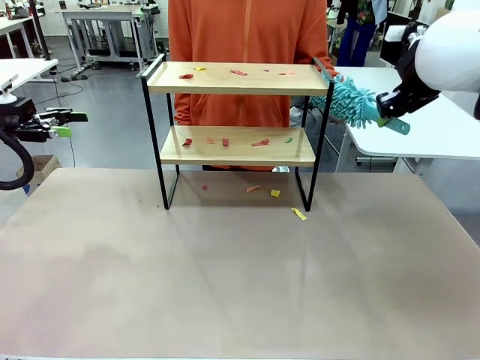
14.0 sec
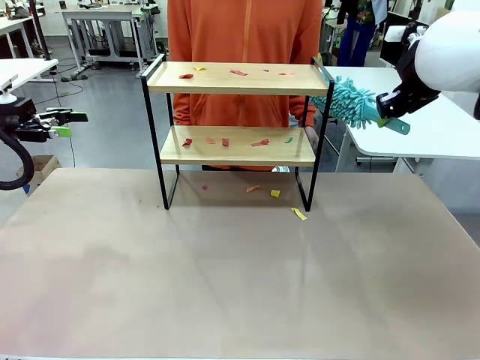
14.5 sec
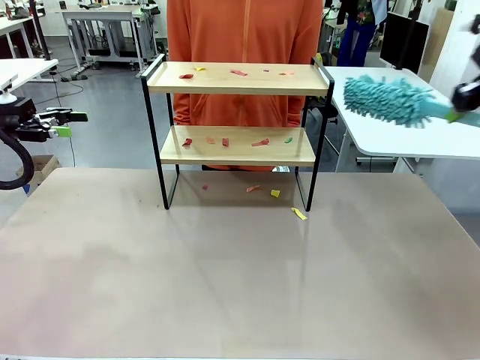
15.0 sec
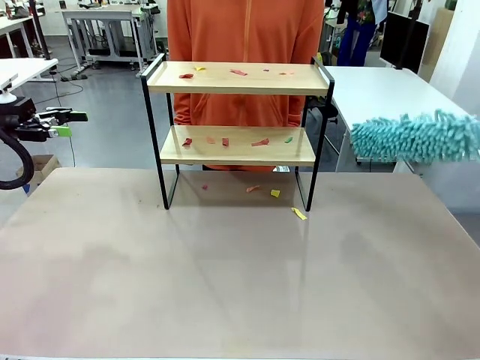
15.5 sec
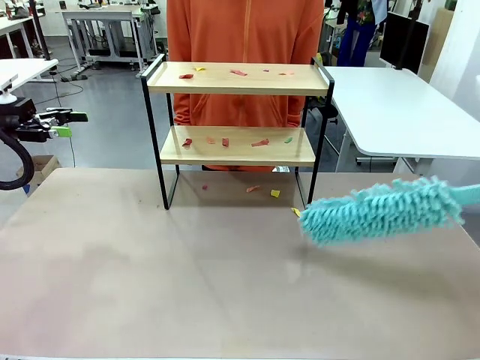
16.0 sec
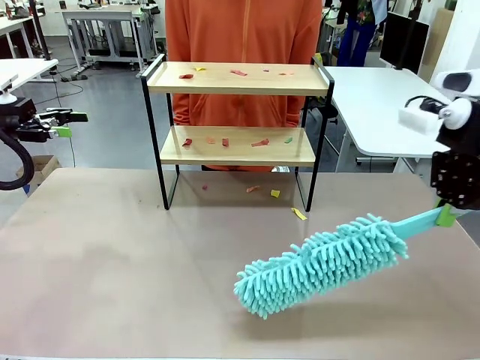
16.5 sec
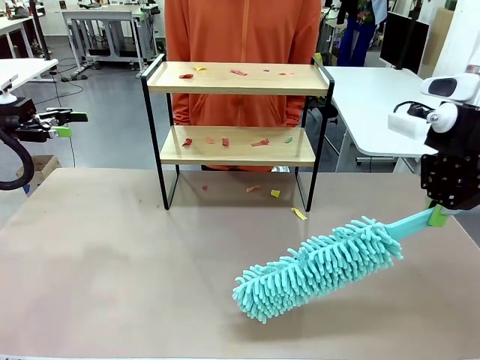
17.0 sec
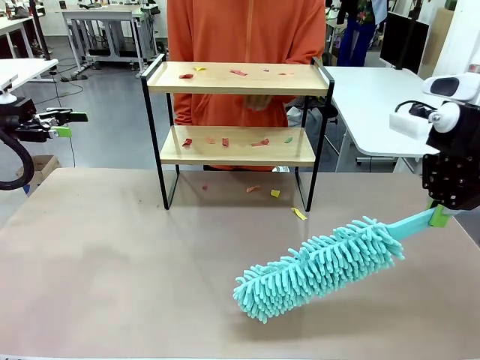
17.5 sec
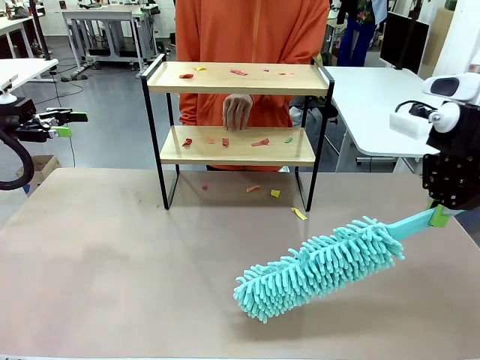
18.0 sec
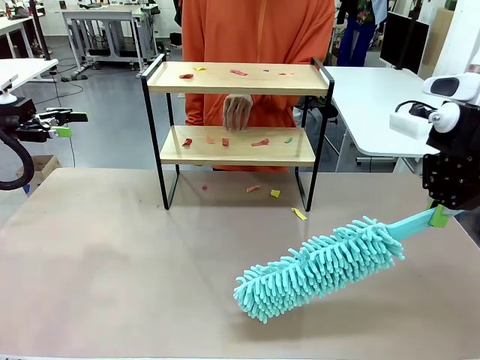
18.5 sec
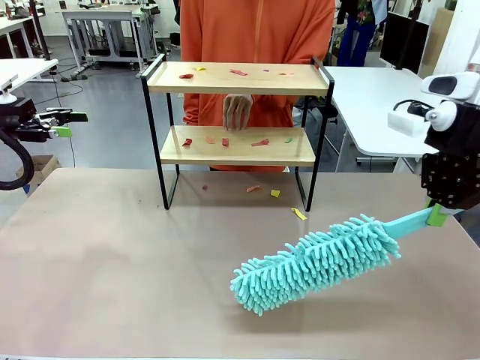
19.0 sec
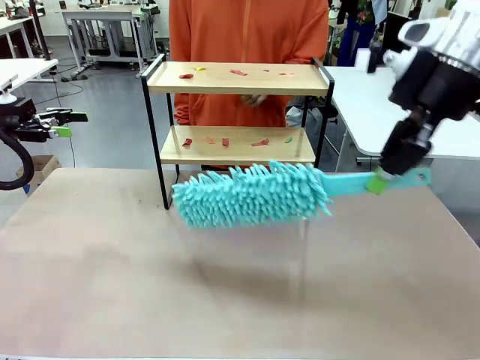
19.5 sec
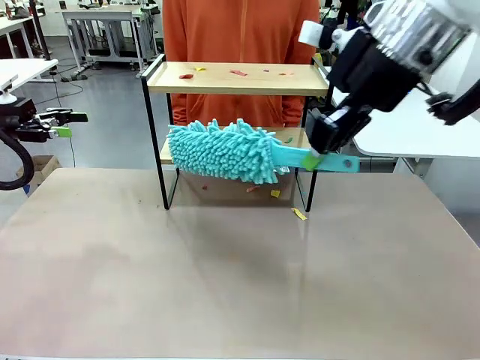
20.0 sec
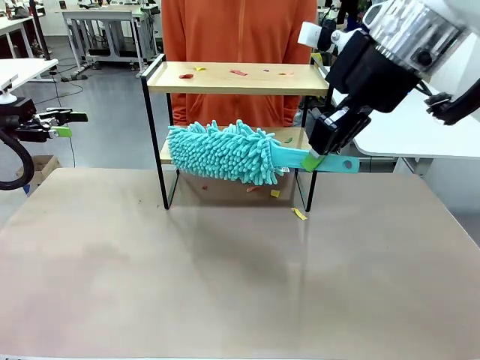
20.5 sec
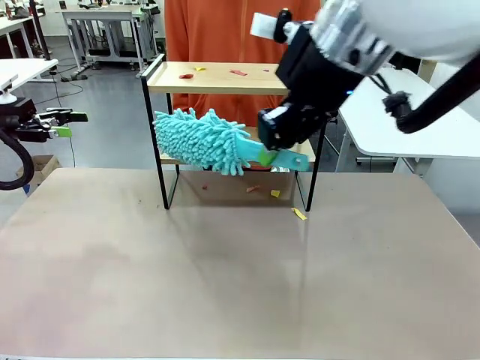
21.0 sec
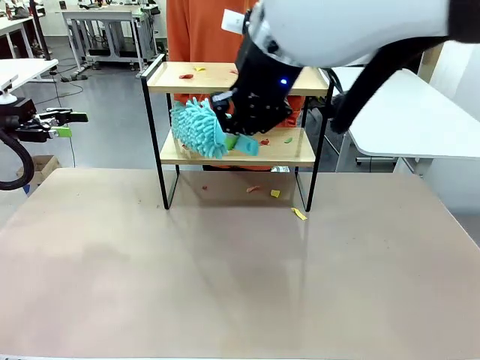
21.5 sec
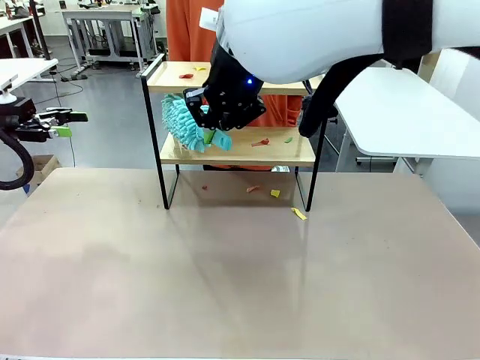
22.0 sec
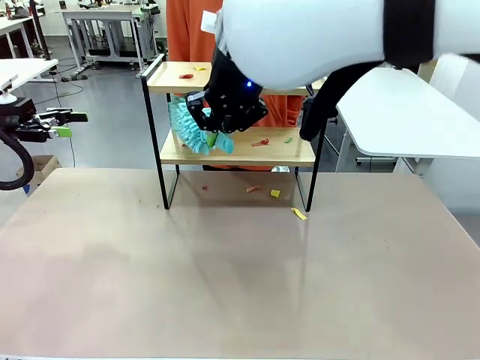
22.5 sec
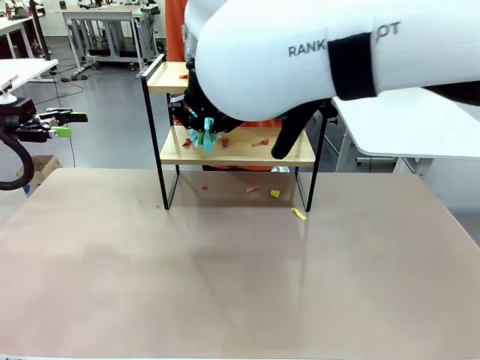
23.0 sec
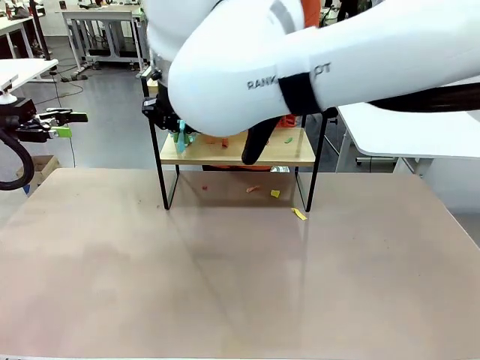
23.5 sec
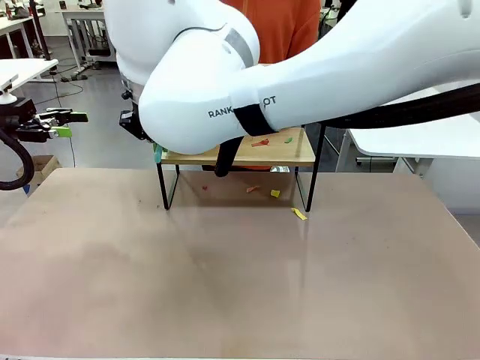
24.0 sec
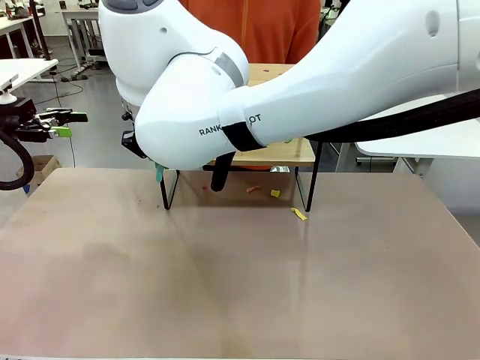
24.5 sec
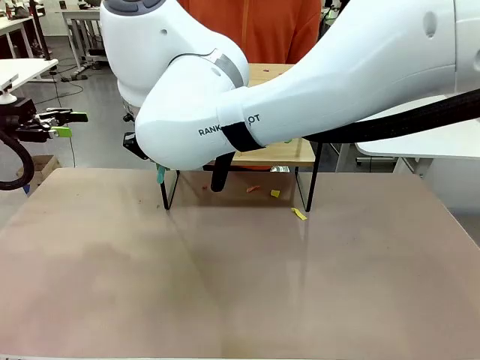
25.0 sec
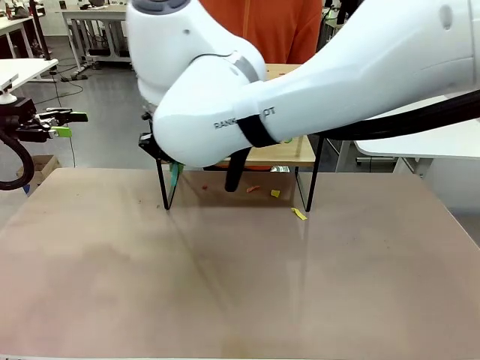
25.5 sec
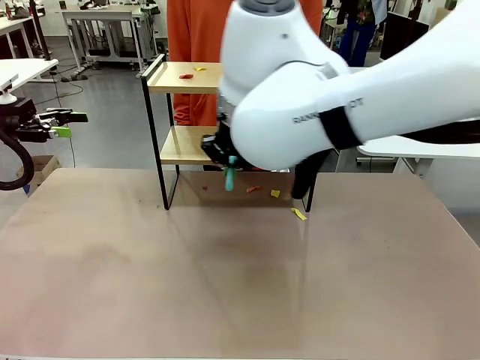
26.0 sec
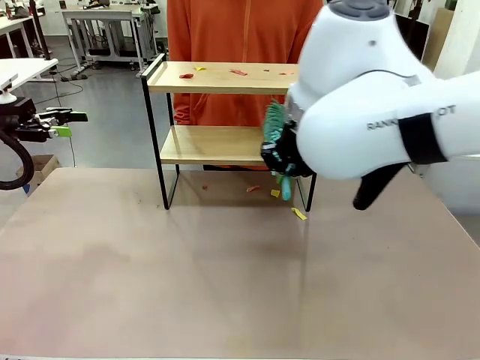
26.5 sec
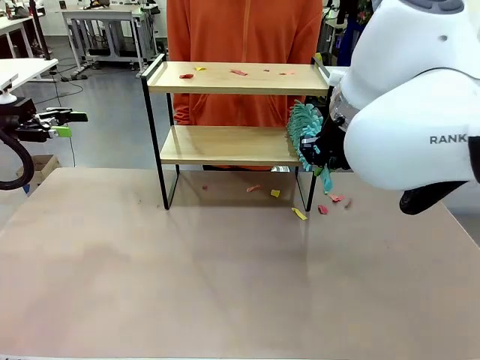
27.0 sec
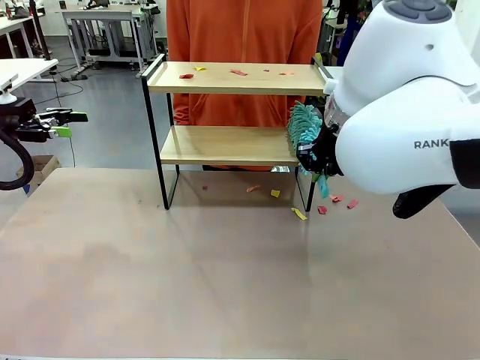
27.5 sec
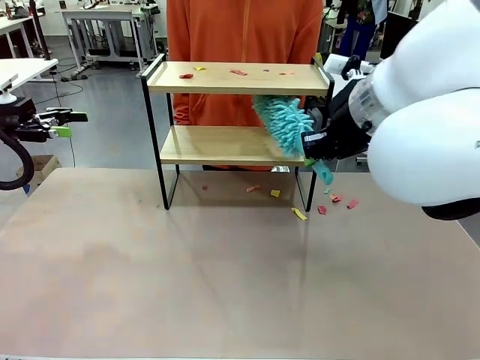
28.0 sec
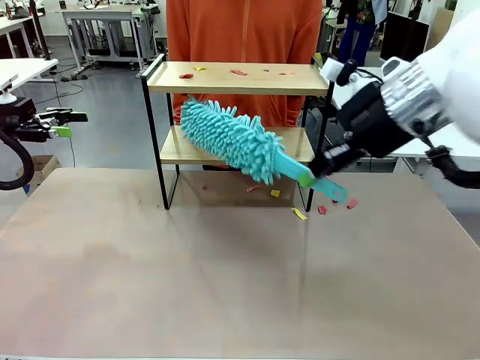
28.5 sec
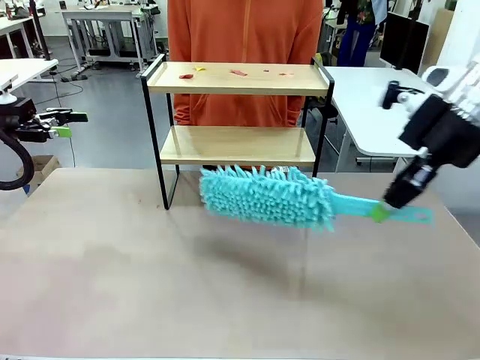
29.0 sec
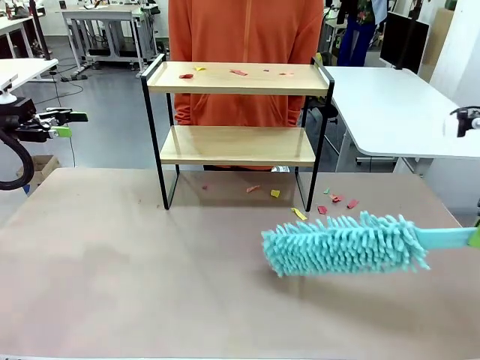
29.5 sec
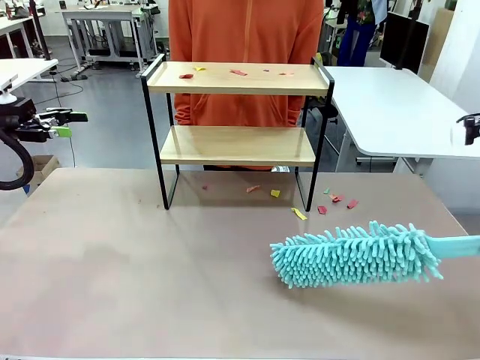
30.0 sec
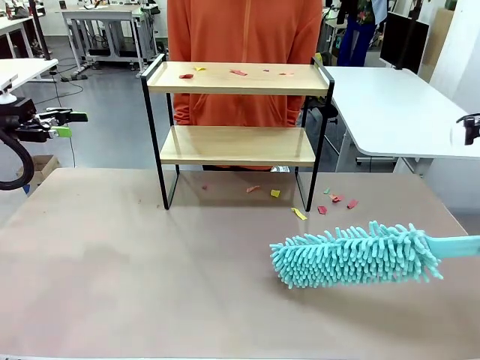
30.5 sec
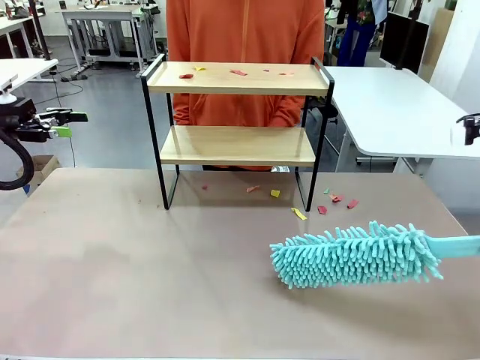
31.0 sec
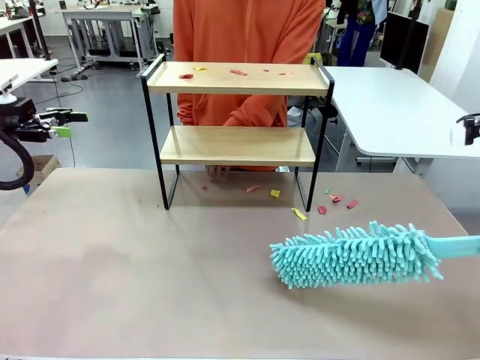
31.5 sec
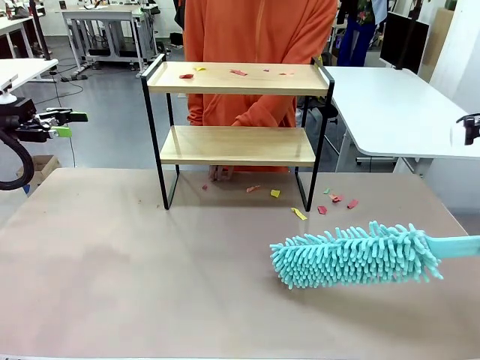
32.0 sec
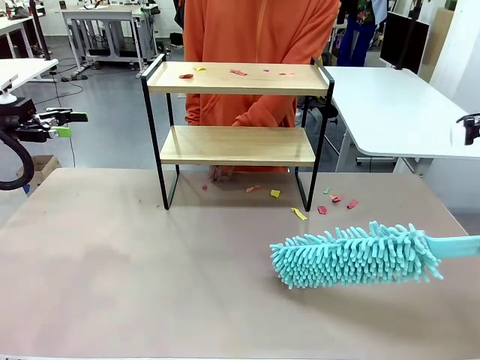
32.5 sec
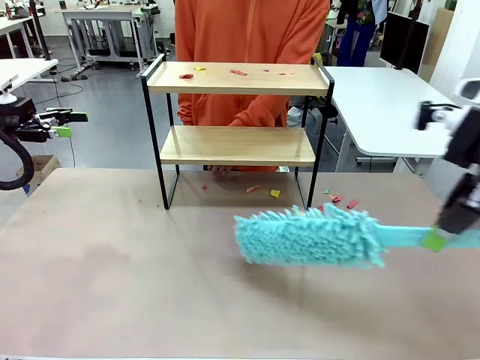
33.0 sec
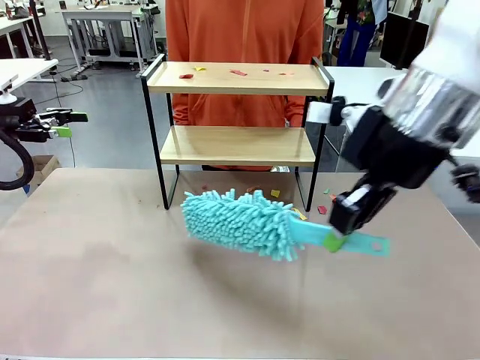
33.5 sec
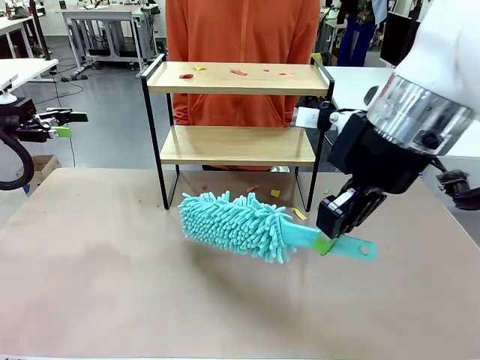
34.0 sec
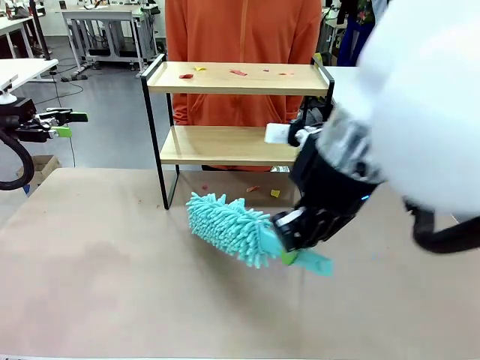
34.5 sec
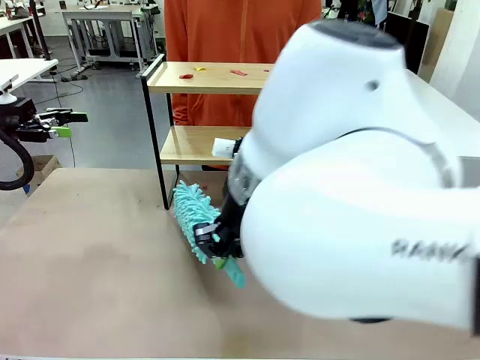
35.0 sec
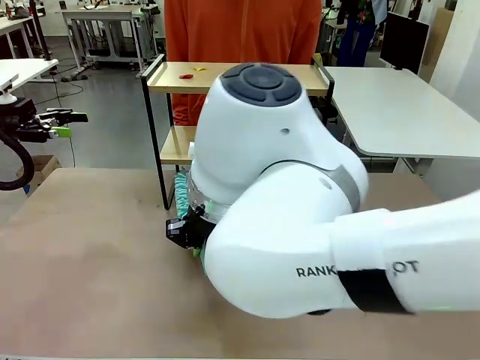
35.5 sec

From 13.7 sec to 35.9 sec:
Task: Clean the shelf.
Robot: Clean the specific section of the Shelf indicated by the human with the Duster.
Person: Point a random section of the Shelf.

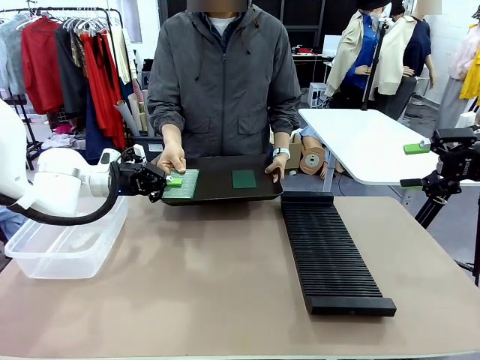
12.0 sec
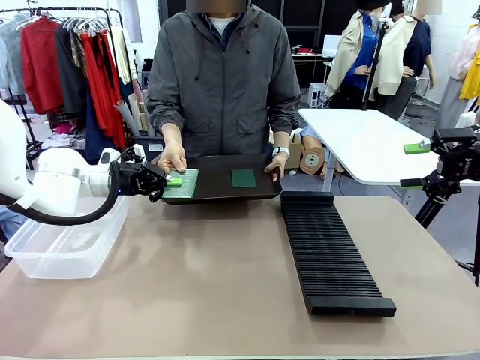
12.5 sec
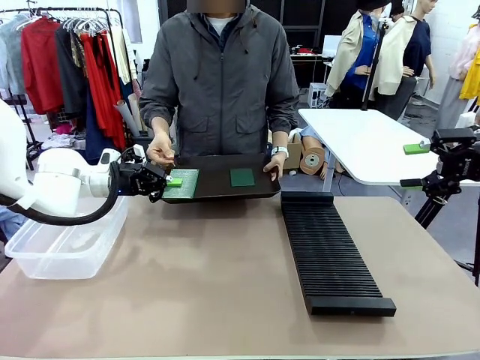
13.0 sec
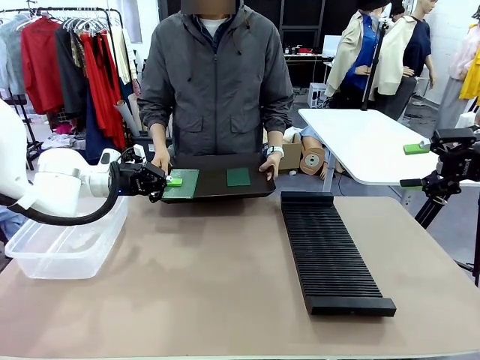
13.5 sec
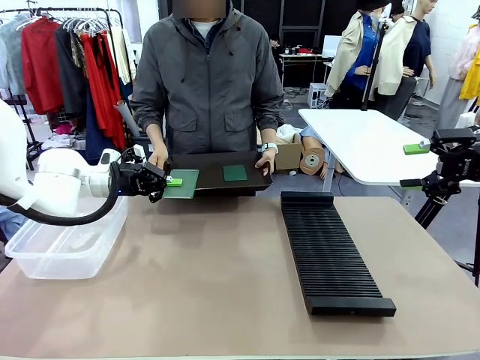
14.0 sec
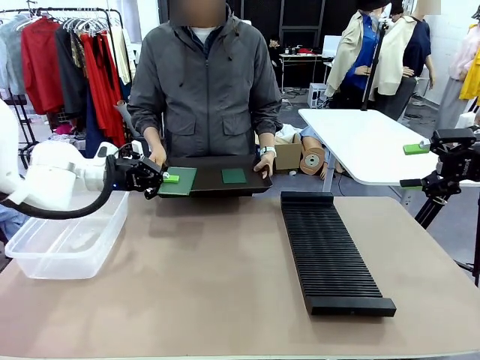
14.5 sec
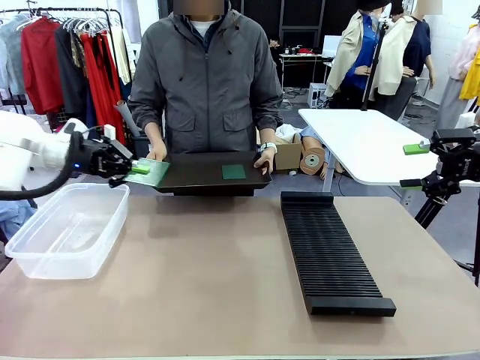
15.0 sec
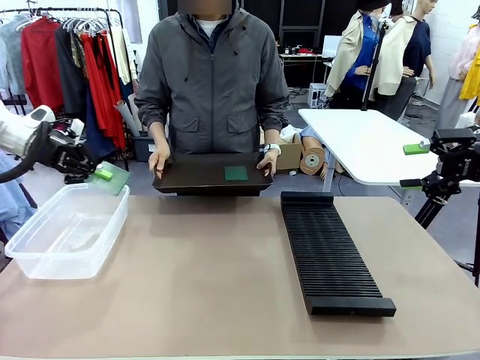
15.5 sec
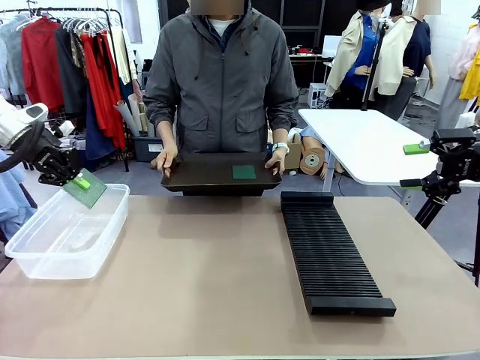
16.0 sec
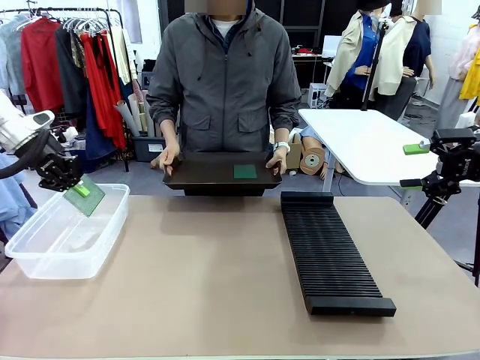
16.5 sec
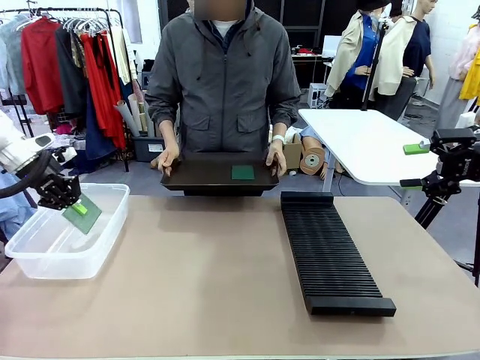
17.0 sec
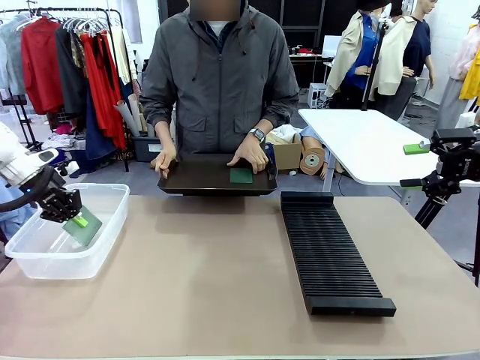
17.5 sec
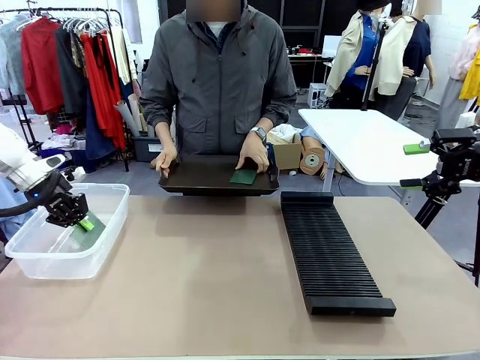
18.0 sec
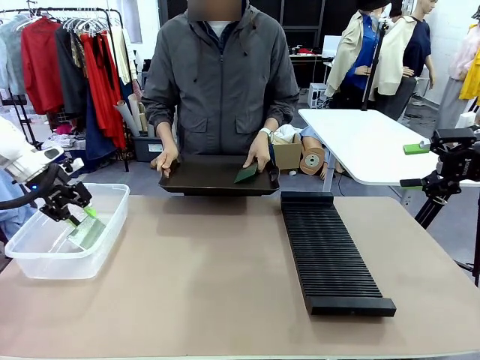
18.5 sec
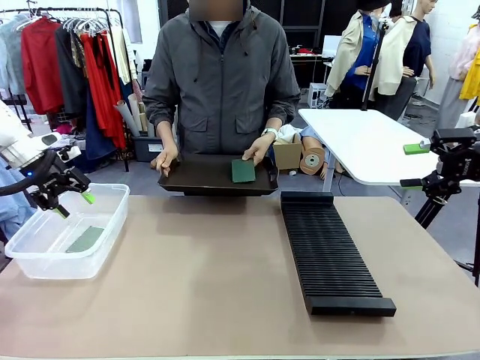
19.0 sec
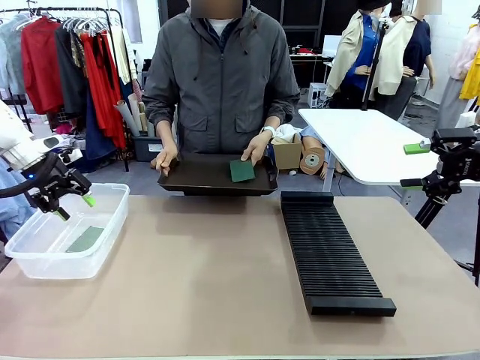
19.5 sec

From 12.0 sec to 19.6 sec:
Task: Sort PCBs into racks and boxes based on the side picked up.
Robot: If the short side of the Blank PCB is picked up, insert it into the PCB Rack ; if the long side is picked up, place it in the Organizing box.
Person: Pick one PCB from the tray and present it to the robot.
